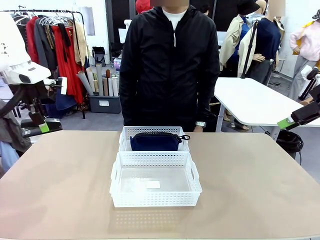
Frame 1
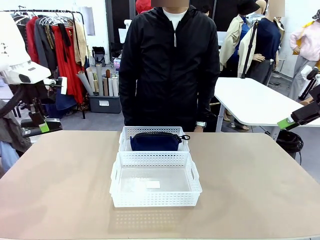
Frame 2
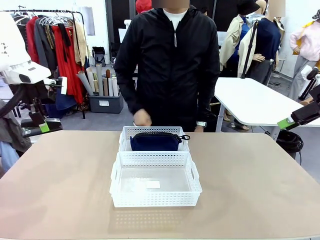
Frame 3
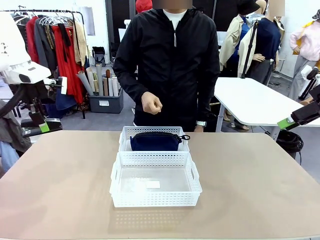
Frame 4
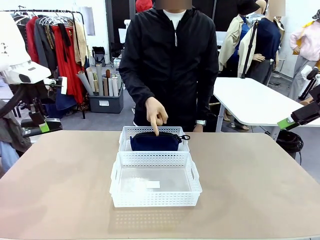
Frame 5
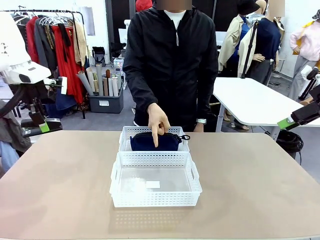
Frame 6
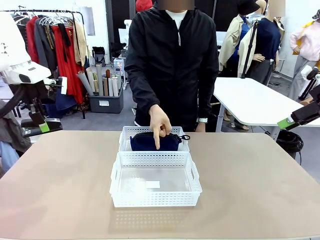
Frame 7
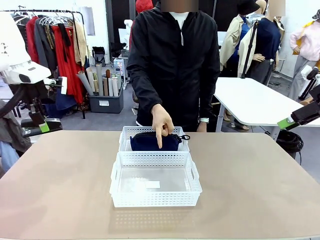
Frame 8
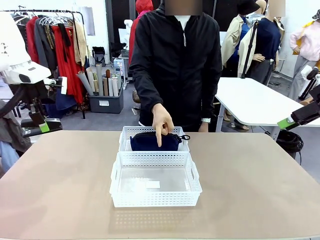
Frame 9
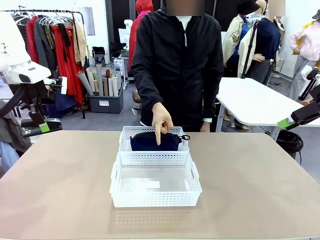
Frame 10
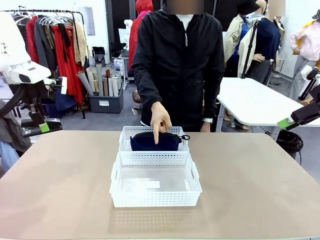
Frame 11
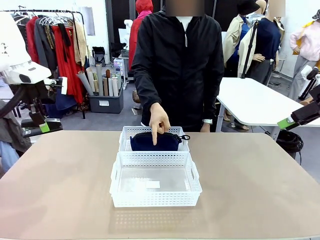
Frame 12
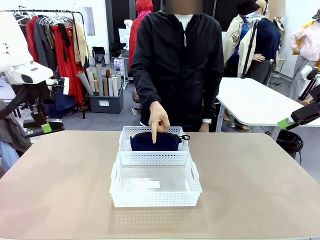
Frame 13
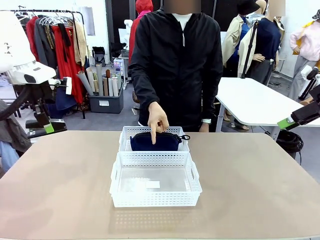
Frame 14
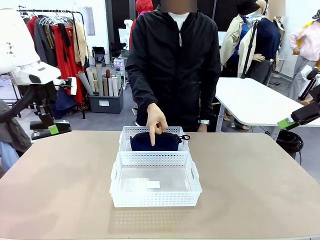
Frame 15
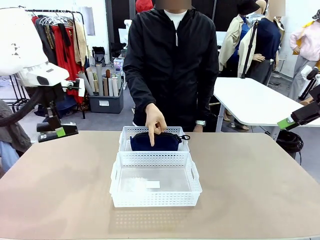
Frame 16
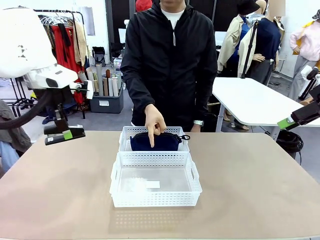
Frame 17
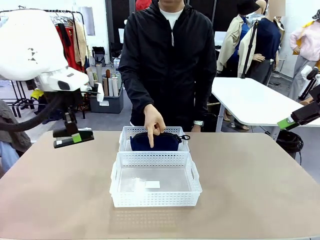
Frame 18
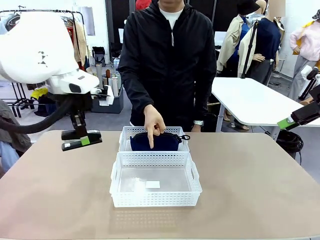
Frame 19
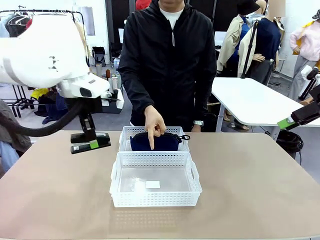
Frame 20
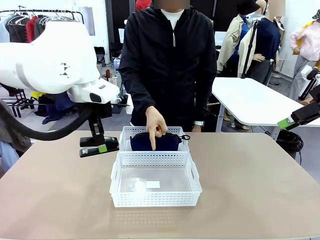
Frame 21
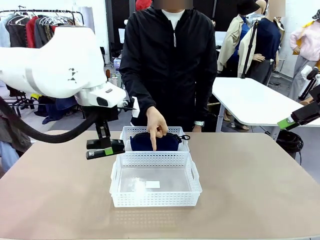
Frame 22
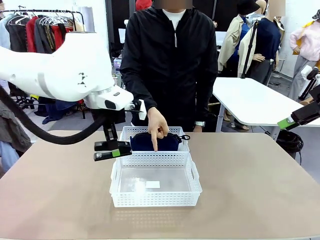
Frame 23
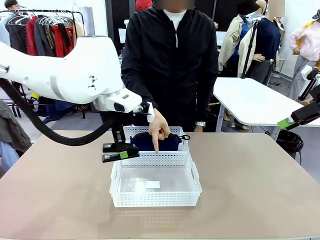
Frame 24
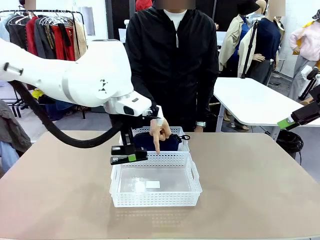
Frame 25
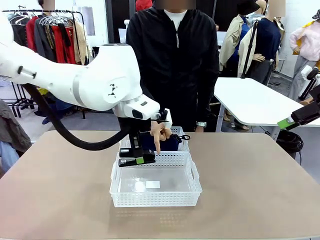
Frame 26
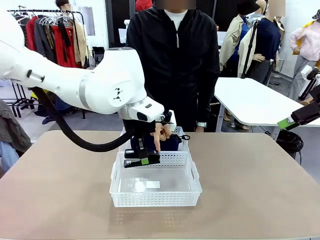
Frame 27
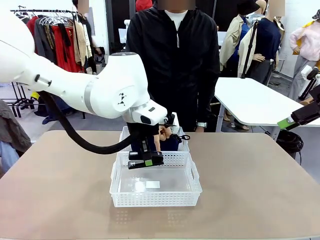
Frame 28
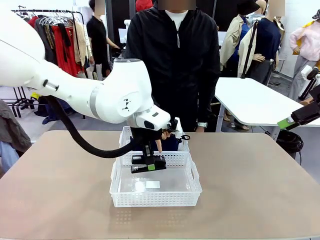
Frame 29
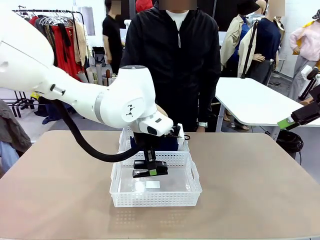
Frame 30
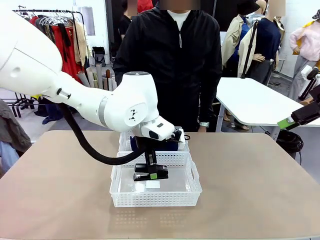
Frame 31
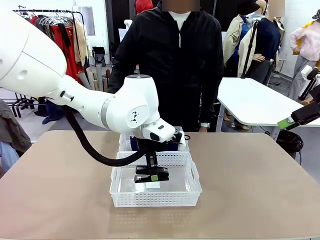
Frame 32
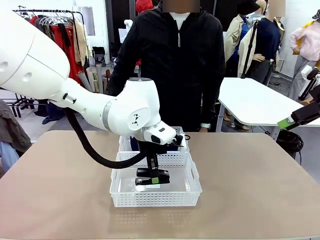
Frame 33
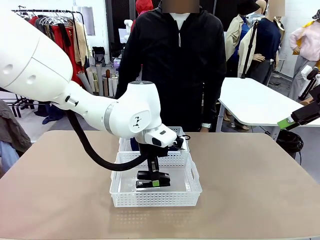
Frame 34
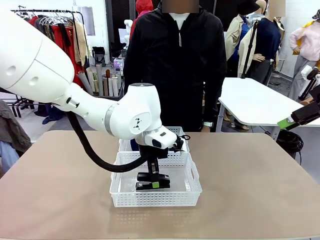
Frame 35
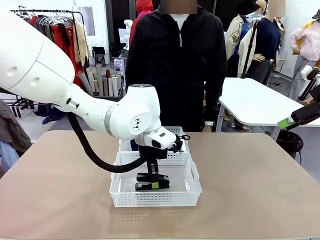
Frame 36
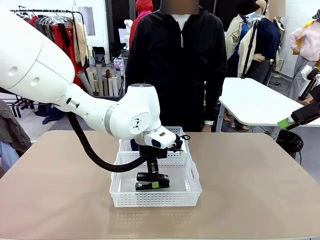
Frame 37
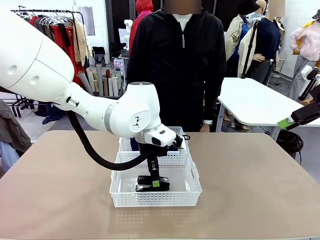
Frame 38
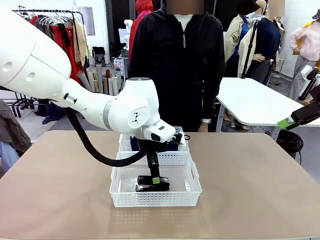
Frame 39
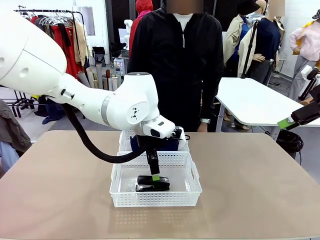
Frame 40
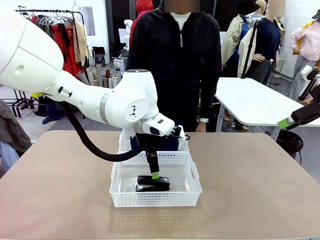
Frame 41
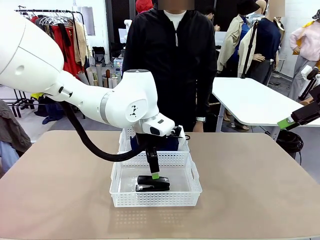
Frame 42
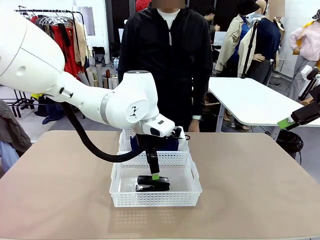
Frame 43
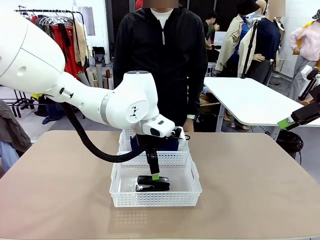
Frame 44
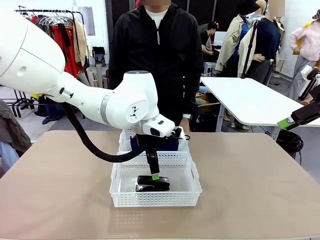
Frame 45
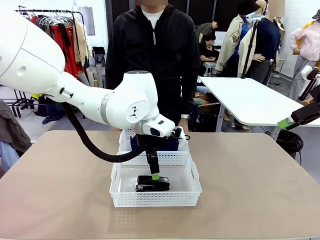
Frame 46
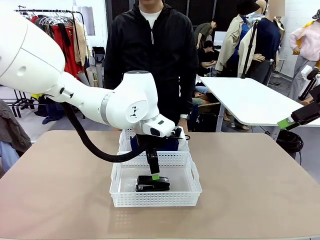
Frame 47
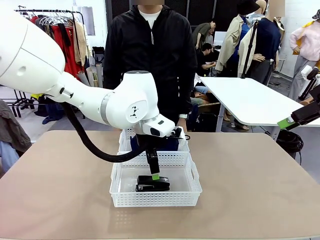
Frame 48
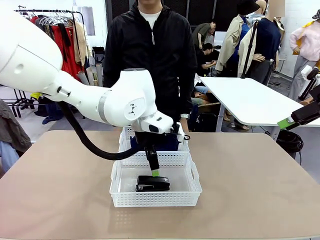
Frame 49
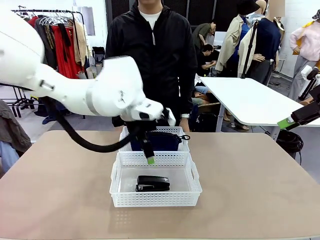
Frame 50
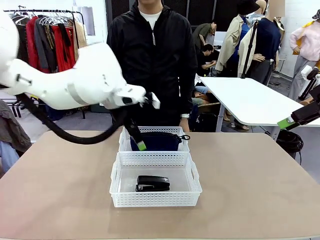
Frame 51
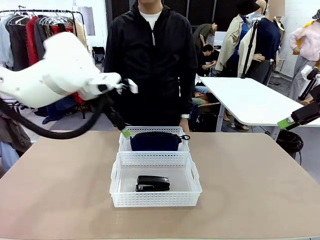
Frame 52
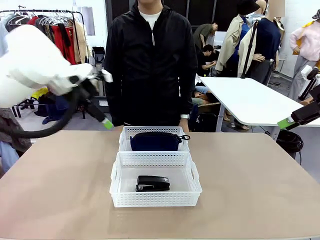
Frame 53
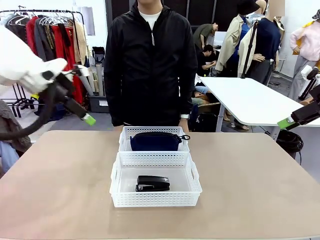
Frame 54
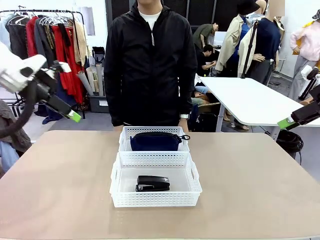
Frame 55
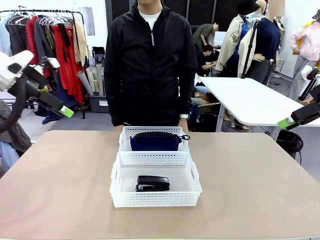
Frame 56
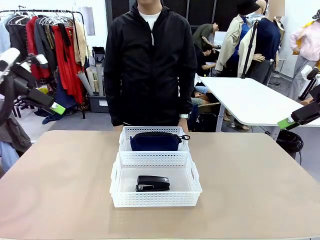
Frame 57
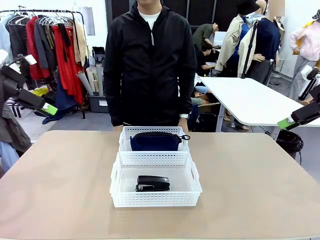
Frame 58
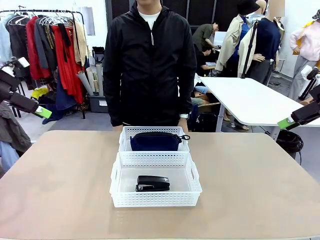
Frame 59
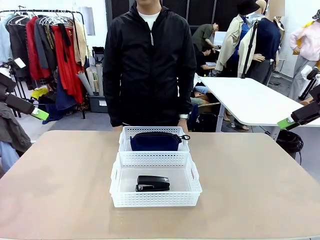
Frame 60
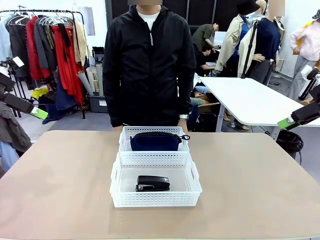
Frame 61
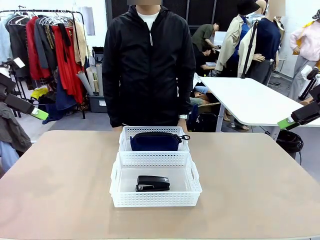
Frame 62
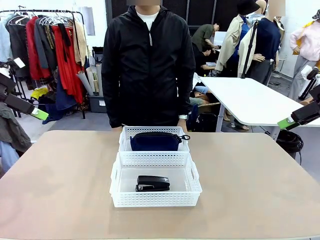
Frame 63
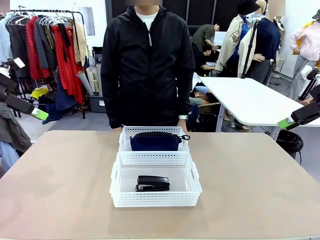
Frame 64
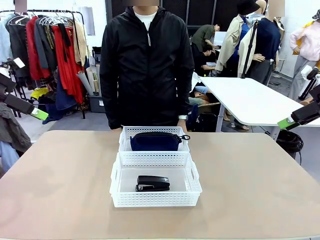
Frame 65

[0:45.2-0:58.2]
Task: Distribute items into two baskets.
Robot: Place the picked Stapler into the Organizing basket as instructed by the person.
Person: Points to the basket that does not contain the pencil case and instructs the robot to move the stapler there.

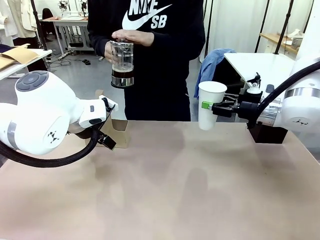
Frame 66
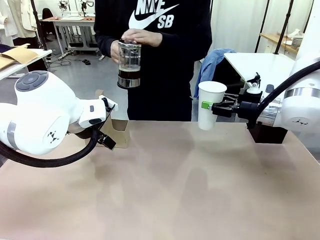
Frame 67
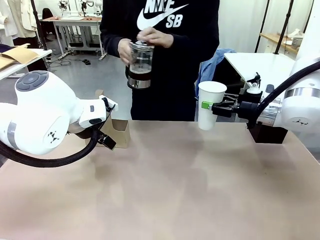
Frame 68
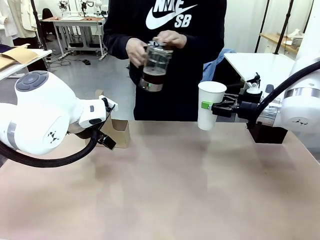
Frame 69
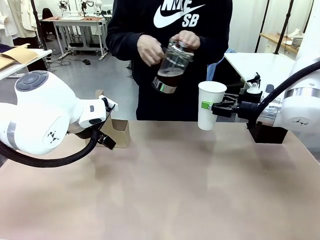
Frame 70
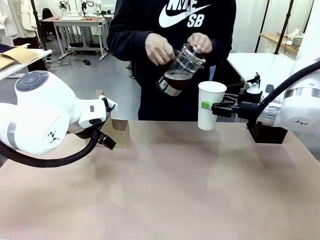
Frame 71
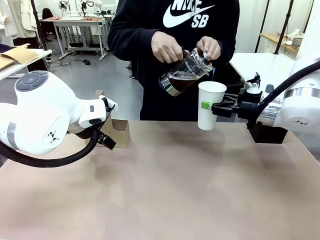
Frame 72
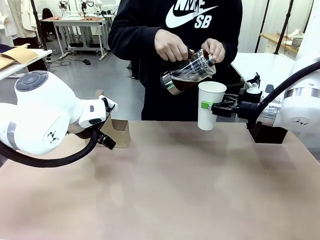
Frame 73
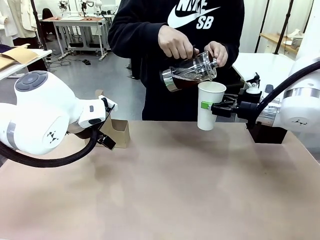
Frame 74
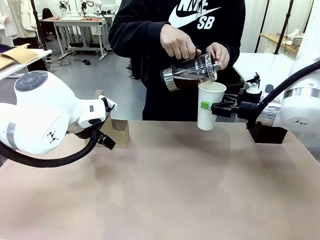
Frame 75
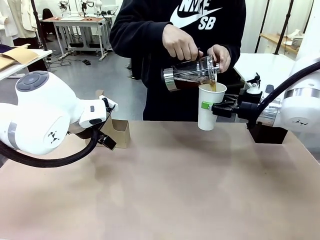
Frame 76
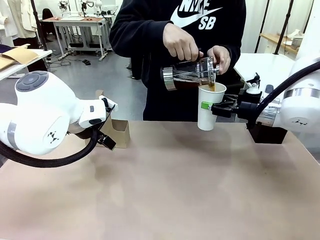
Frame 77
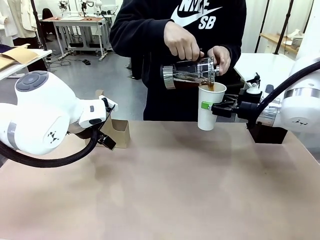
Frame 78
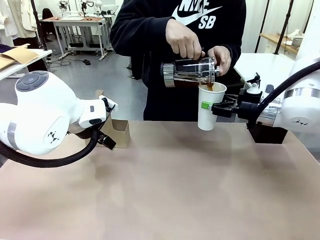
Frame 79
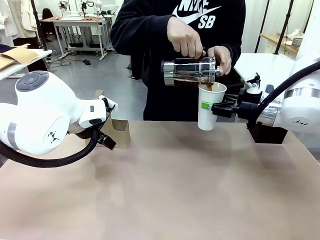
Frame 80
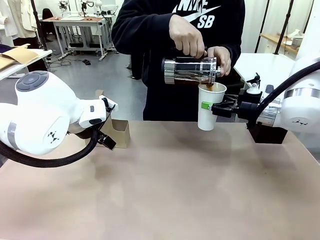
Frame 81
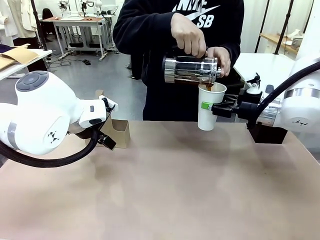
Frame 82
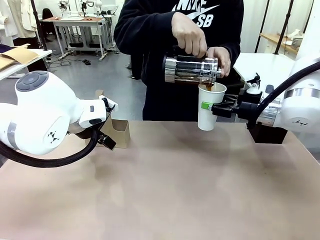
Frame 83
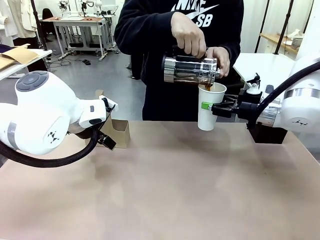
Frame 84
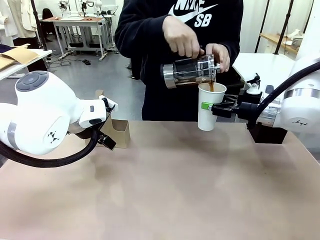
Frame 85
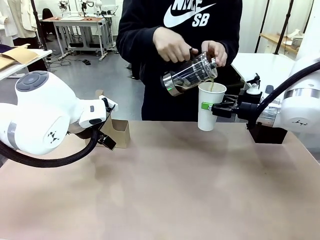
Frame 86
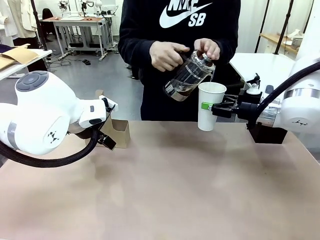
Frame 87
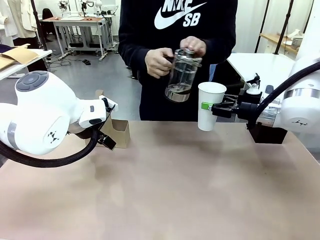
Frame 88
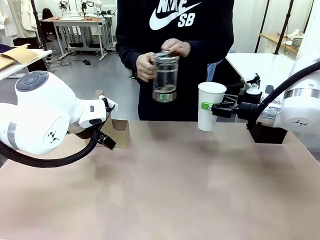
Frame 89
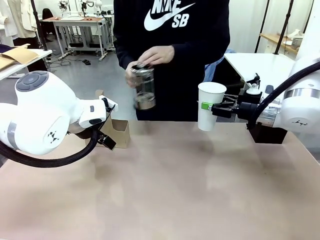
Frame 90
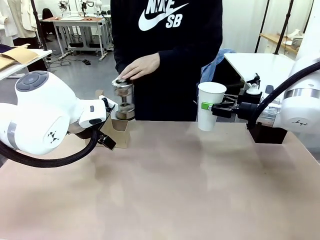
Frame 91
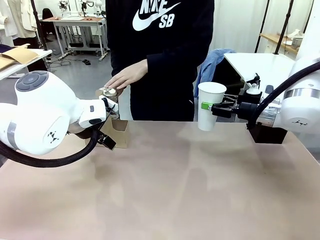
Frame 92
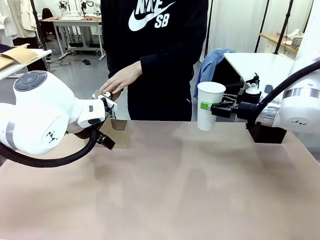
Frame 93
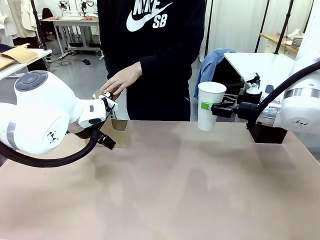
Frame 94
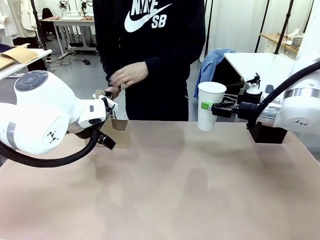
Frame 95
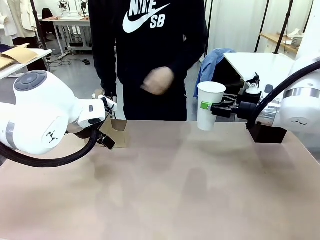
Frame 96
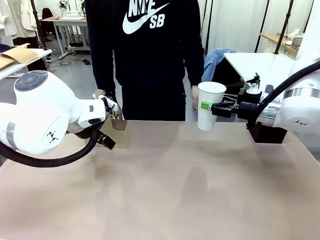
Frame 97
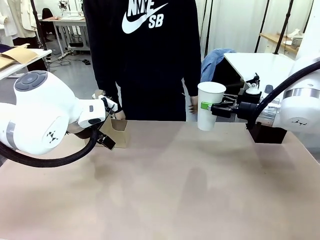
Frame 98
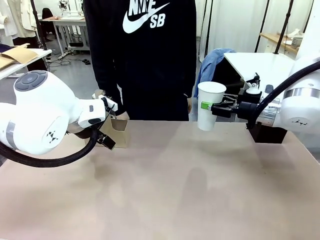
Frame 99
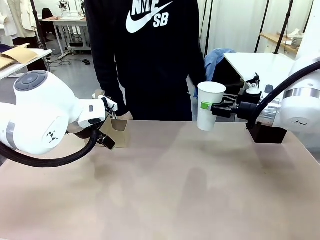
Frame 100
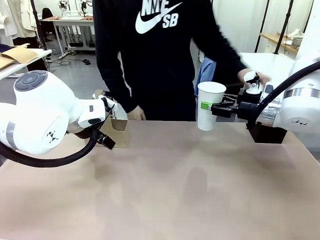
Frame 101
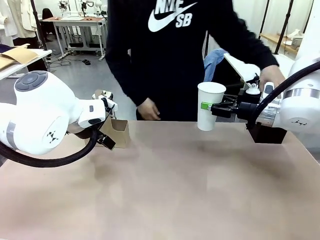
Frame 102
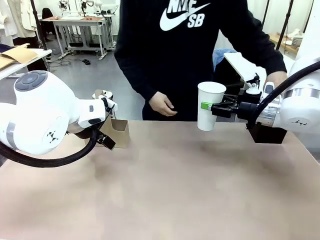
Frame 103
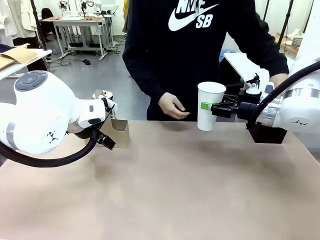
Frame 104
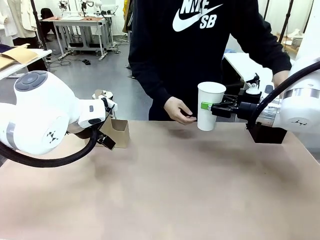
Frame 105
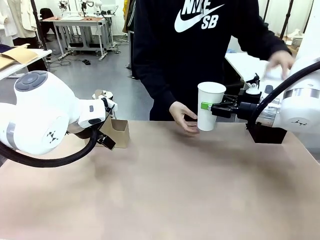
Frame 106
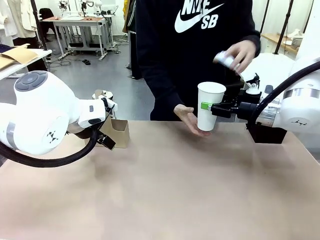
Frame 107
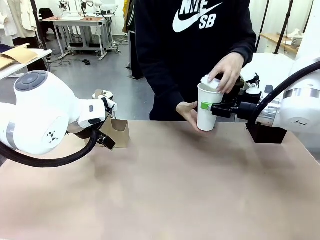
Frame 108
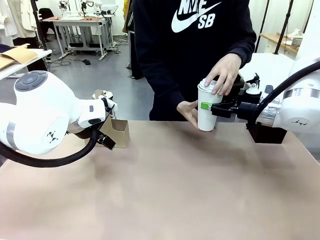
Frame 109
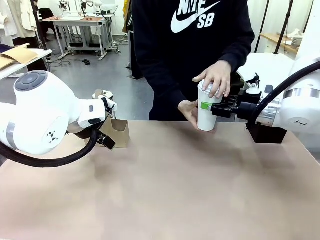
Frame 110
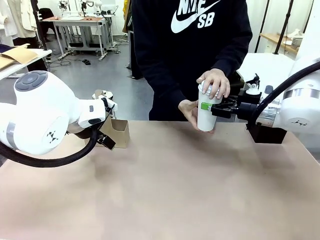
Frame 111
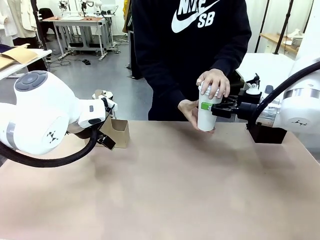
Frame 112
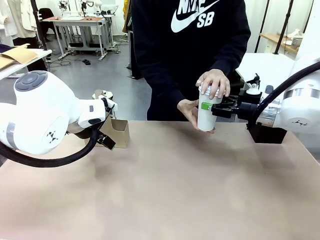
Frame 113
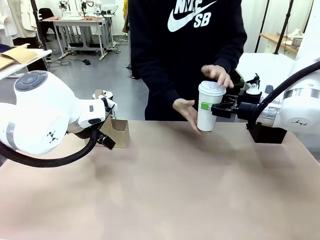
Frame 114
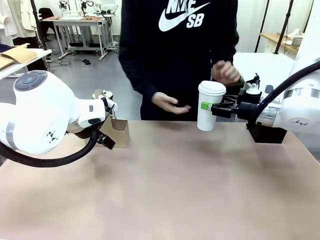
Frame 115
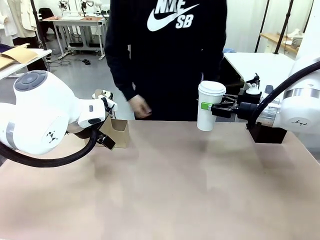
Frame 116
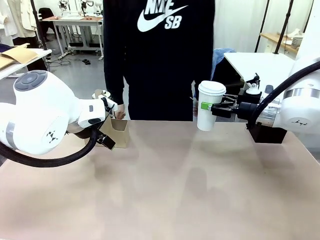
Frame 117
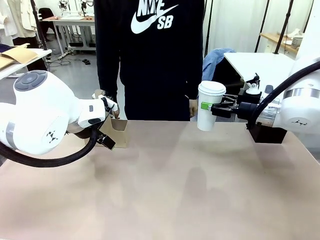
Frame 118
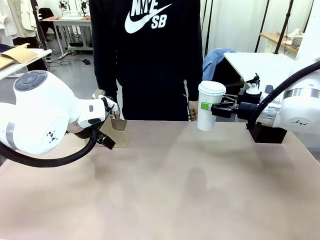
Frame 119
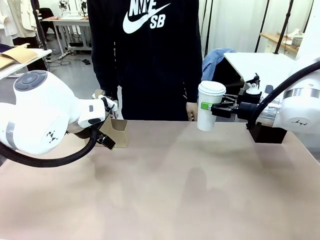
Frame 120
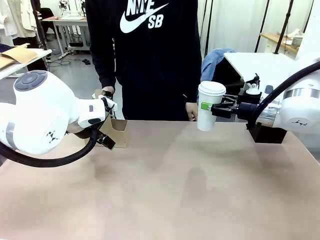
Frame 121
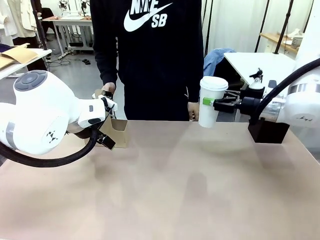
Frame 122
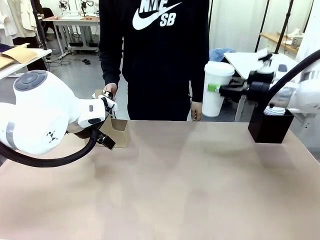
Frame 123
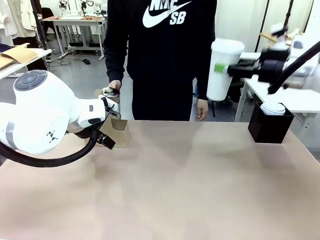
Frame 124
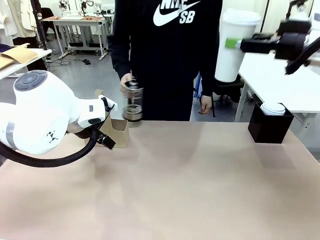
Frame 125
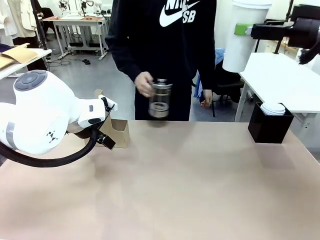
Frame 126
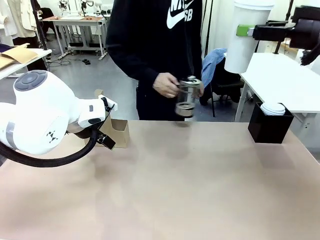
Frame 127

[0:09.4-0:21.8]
Task: Pour a drink into a cup and package it in a carrier.
Robot: When a person places the Paper Cup Lid on the 600 ml Paper Cup , lift the 600 ml Paper Cup.
Person: Pour the drink from the Filter Brewing into the 600 ml Paper Cup. Place a Paper Cup Lid on the 600 ml Paper Cup.
